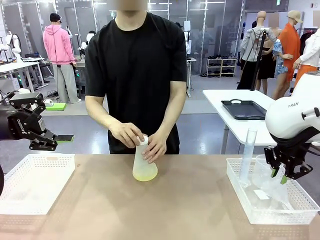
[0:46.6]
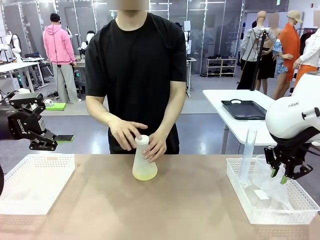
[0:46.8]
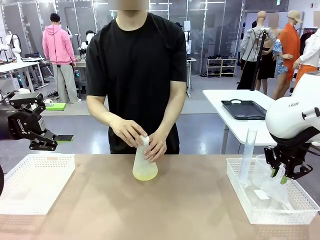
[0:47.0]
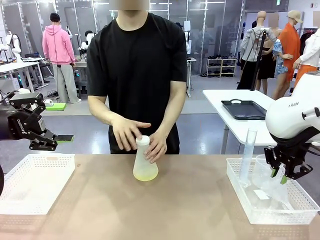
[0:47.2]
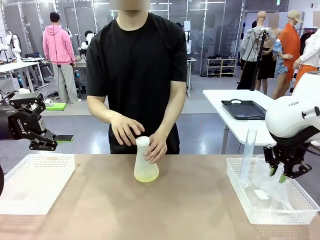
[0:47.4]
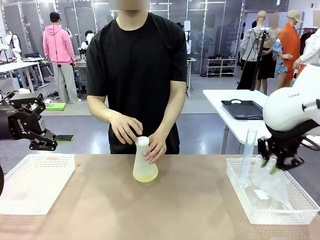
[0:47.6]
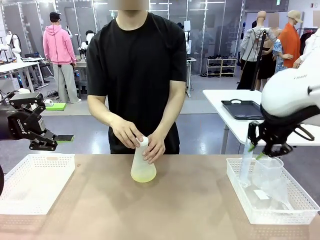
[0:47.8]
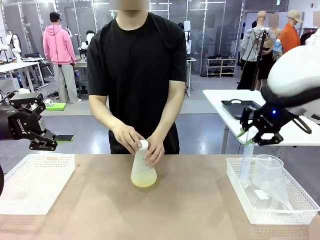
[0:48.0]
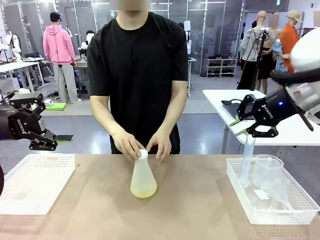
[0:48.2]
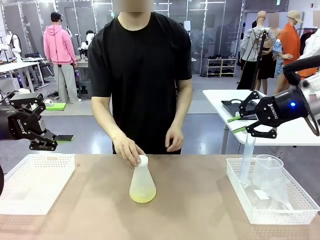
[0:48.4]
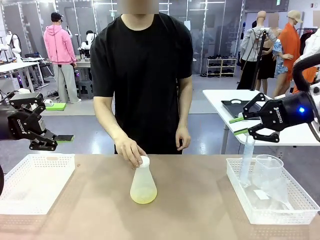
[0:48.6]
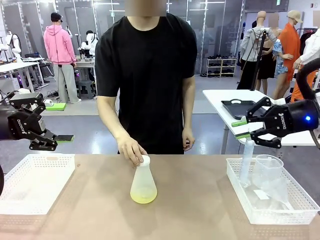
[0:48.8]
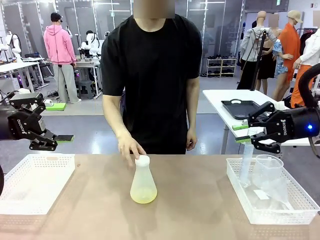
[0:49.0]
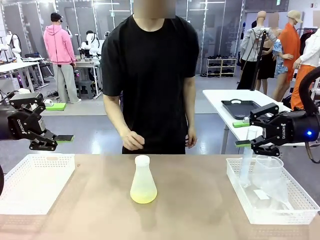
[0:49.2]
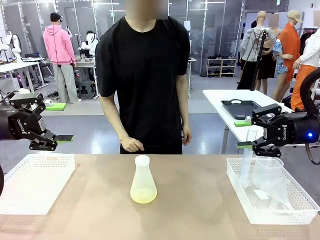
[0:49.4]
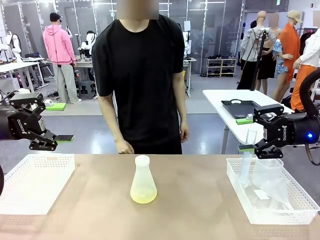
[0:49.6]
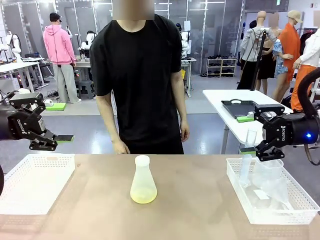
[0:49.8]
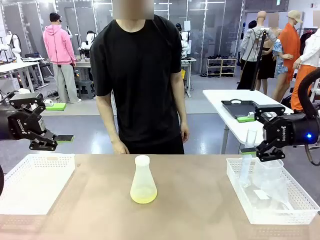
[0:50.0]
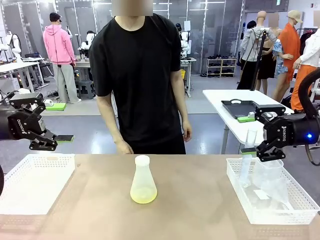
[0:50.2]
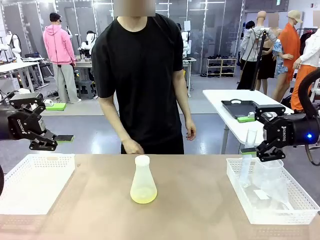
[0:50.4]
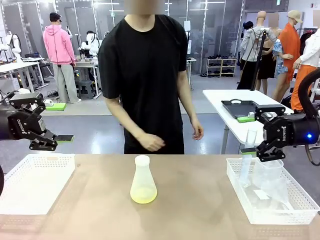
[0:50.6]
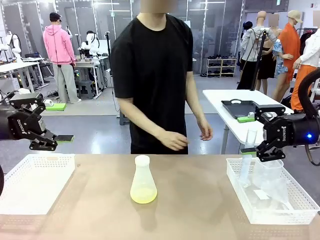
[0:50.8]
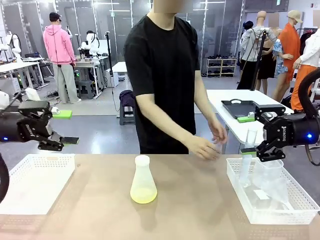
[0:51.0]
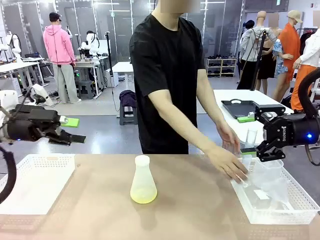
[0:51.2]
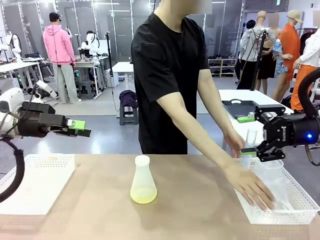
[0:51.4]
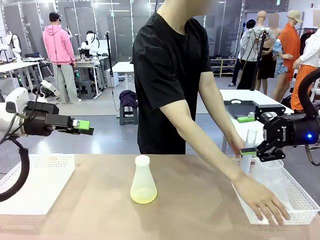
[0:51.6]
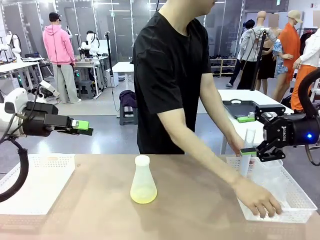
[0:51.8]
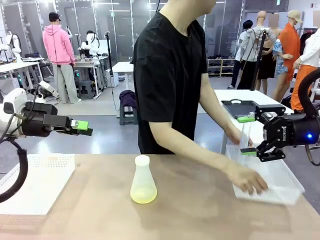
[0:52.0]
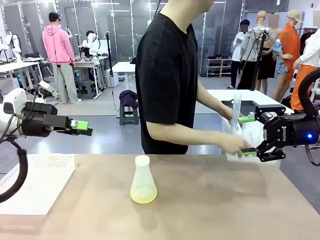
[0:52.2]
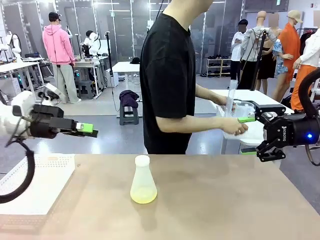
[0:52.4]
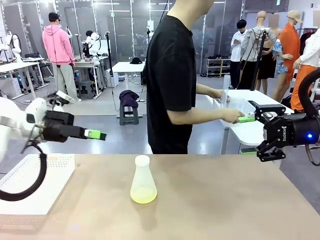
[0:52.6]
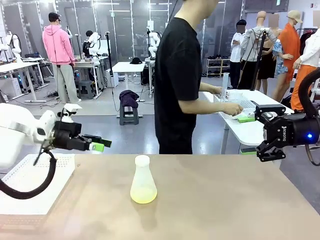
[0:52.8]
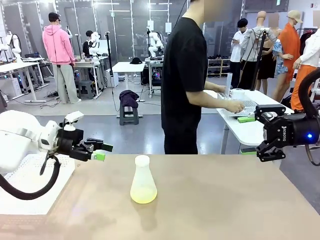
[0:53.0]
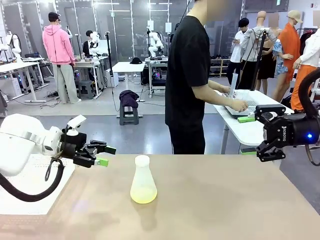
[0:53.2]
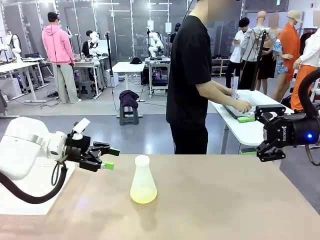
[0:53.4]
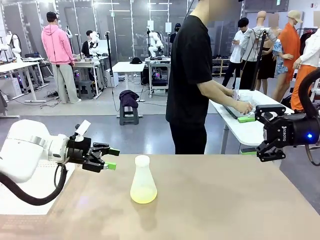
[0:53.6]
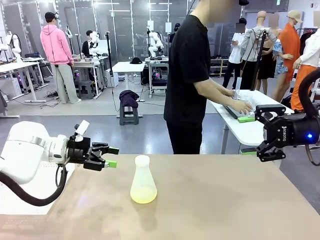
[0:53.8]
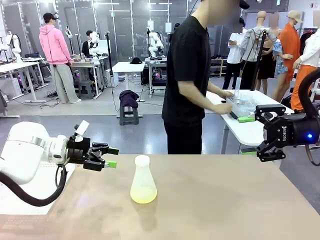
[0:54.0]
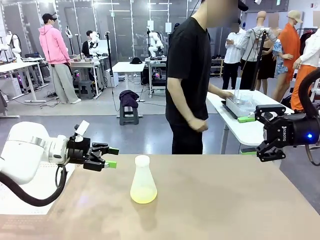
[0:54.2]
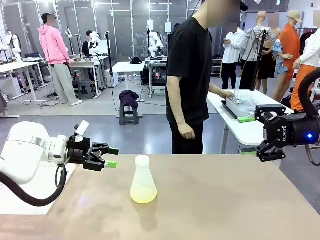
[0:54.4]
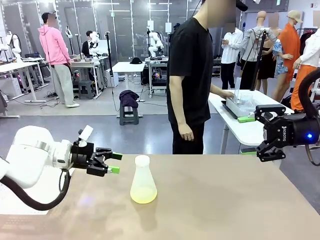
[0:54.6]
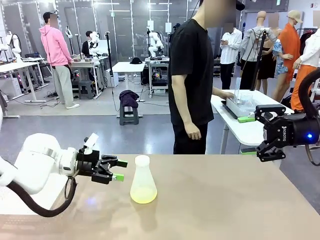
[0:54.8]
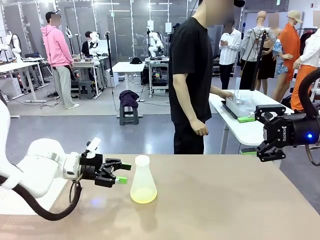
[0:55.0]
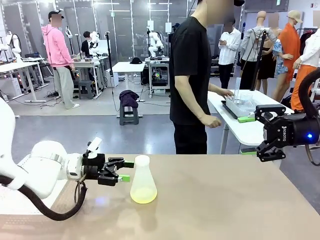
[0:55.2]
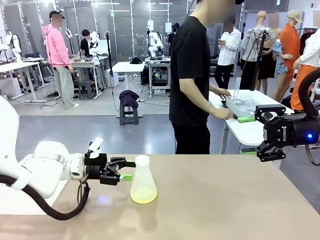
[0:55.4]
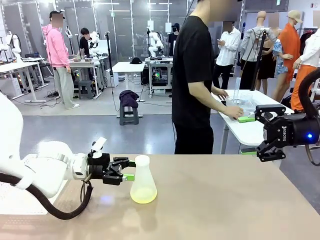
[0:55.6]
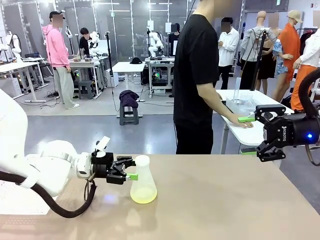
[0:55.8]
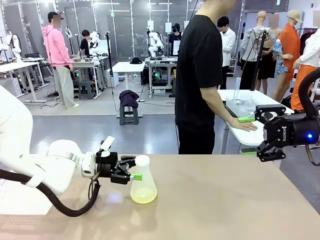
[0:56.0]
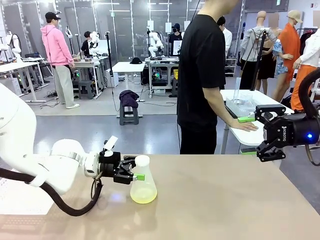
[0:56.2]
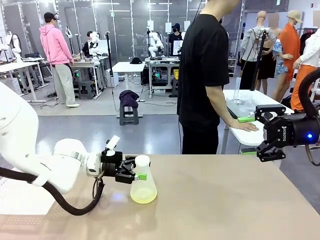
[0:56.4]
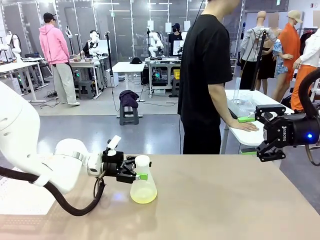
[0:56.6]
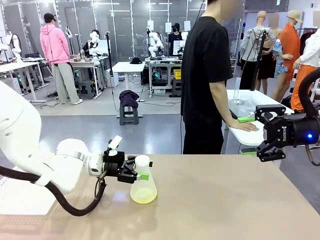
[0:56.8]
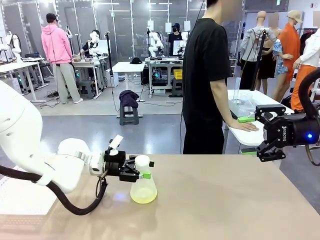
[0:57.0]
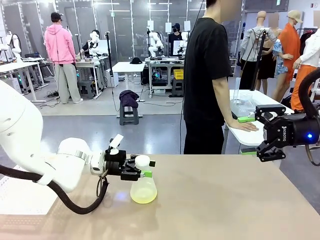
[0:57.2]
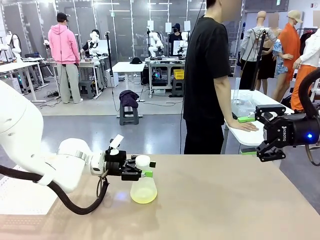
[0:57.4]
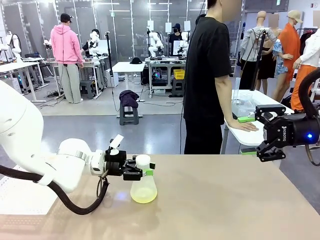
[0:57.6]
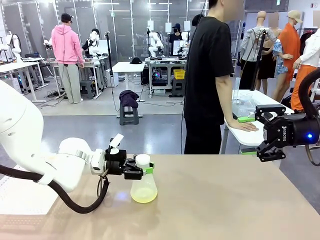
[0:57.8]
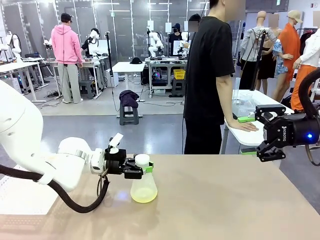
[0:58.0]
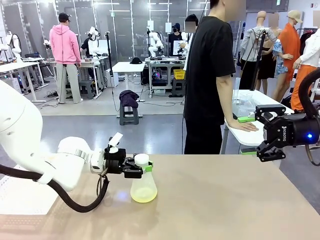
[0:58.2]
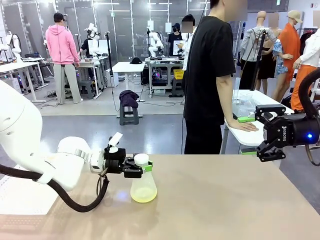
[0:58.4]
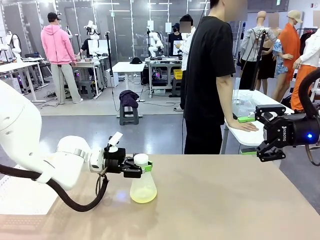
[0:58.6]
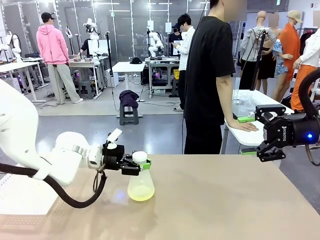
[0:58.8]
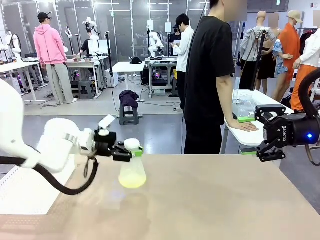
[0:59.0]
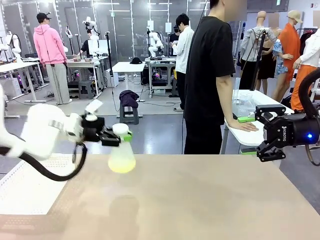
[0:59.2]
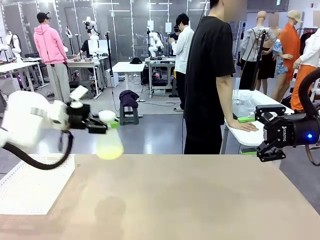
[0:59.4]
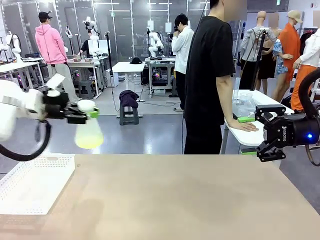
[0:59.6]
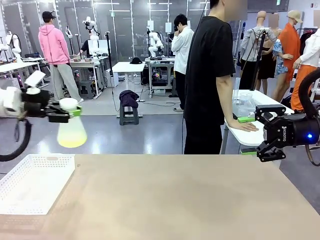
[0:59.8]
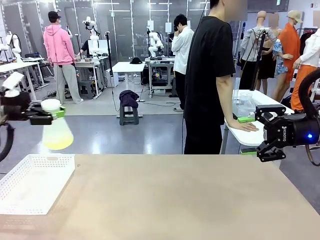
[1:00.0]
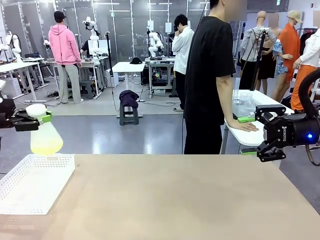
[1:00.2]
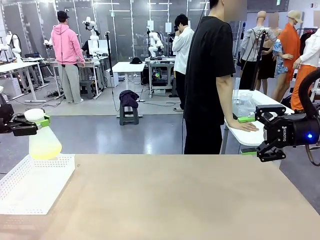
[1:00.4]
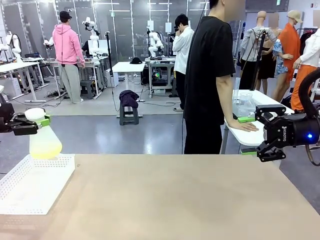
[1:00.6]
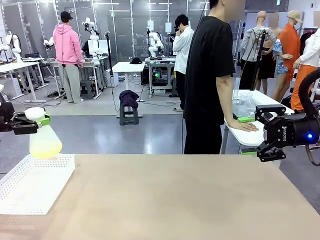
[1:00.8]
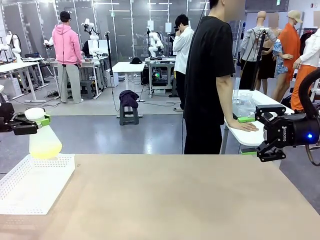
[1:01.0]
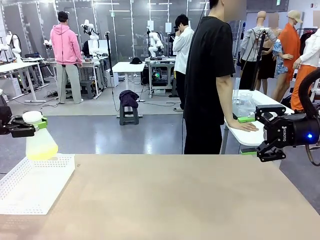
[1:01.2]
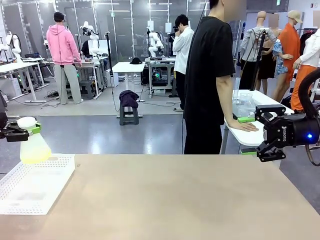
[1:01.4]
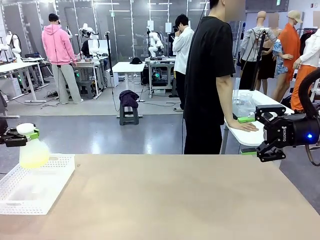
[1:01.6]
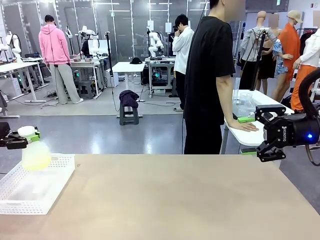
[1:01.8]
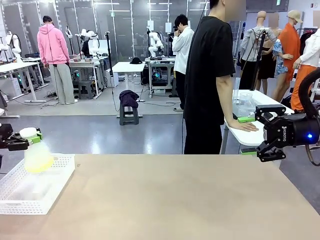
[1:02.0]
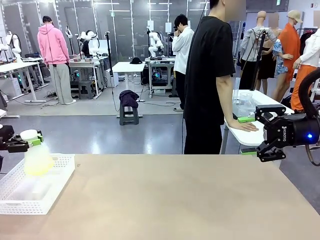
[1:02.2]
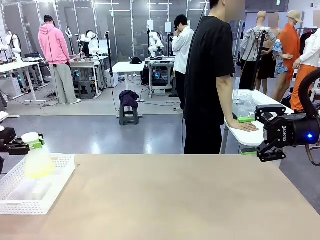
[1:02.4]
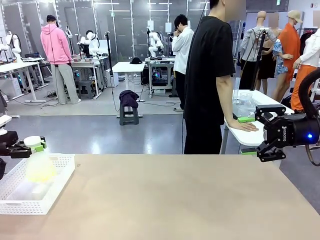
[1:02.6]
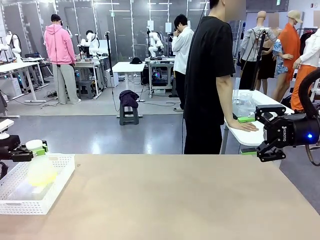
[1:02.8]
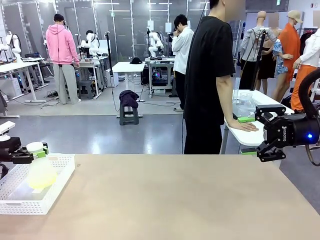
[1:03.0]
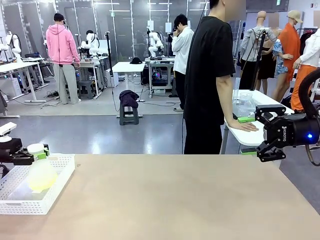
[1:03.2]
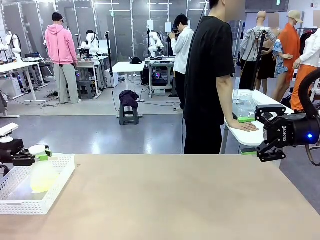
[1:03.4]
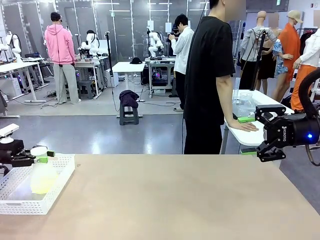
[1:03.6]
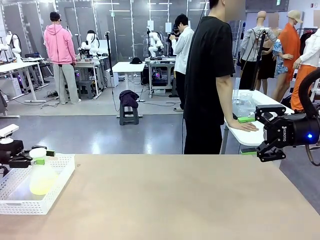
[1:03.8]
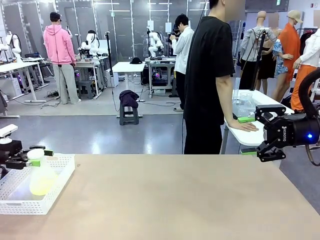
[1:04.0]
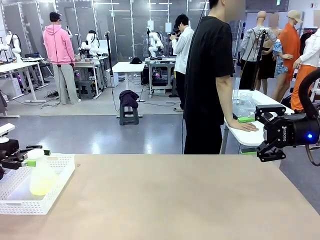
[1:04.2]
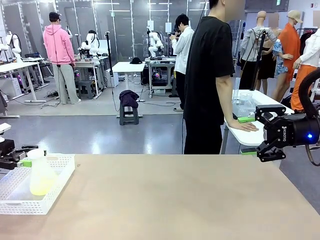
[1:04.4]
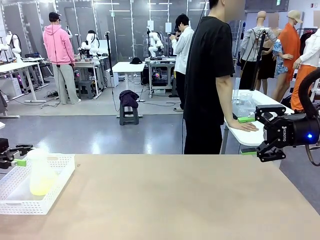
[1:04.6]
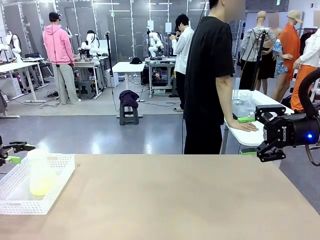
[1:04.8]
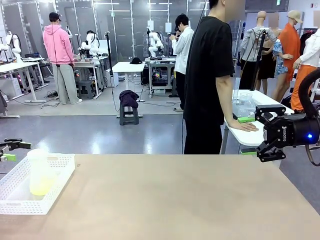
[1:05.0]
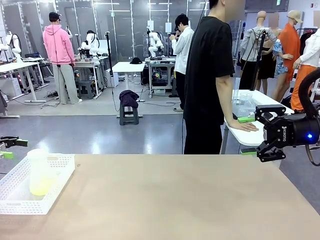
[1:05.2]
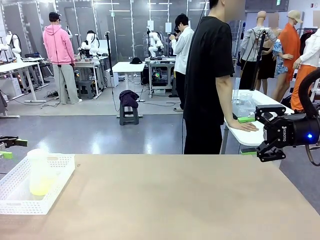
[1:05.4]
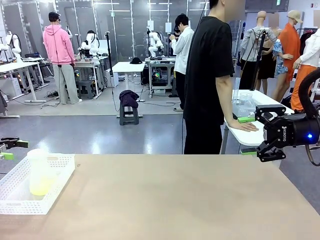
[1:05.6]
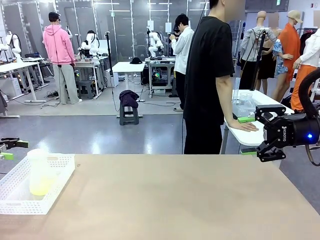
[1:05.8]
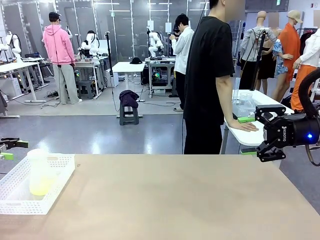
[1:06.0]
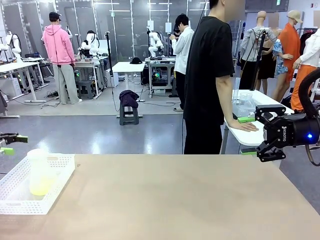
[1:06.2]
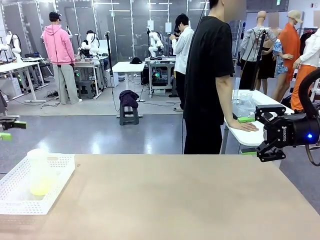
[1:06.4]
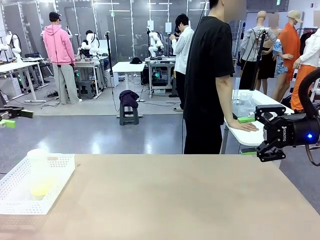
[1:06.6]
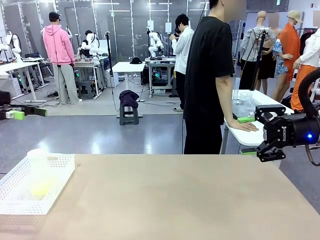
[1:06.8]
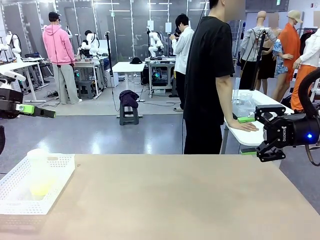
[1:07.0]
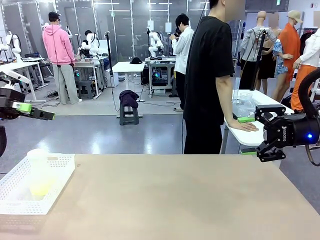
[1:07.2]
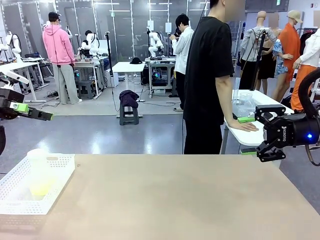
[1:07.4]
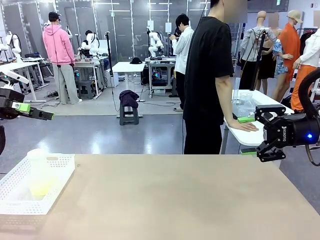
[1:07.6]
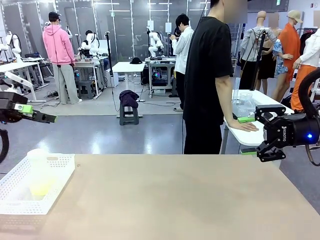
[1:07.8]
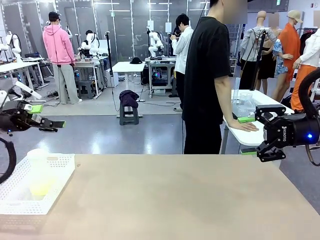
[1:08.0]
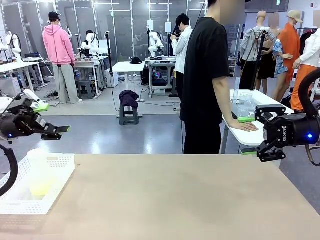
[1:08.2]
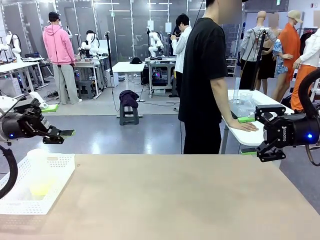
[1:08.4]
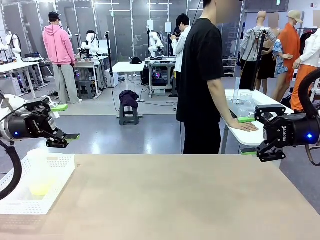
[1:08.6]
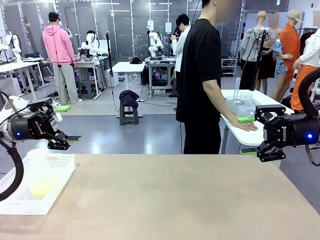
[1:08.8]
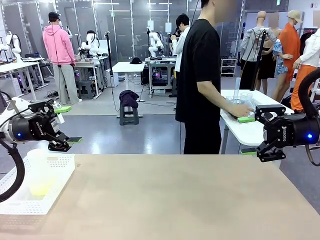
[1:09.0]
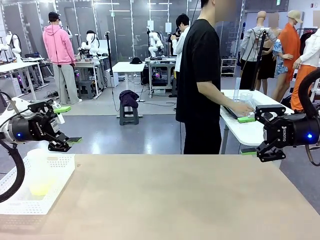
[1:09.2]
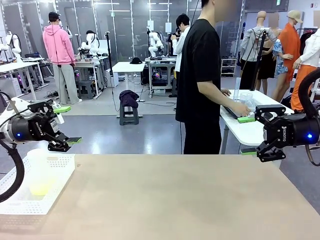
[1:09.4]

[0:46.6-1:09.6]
Task: Prepare the solutions needed for the experiment.
Robot: When the human places the Big flask in the center of the table, pick up the Big flask and place it in the left Organizing basket.
Person: Pick up the organizing basket on the left side of the robot table and place it on the left side of the human table.
